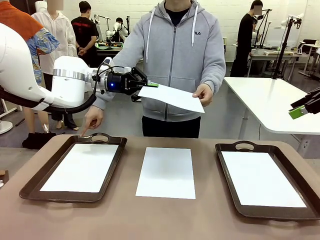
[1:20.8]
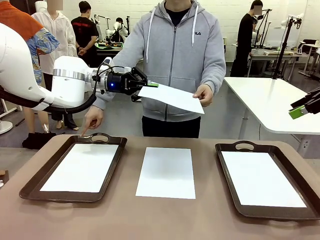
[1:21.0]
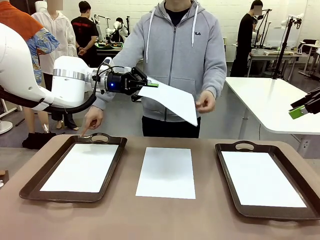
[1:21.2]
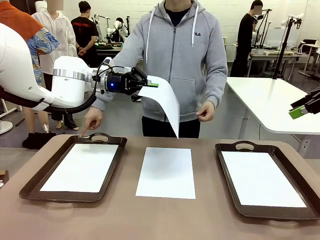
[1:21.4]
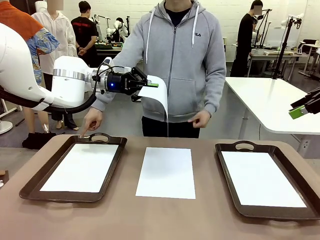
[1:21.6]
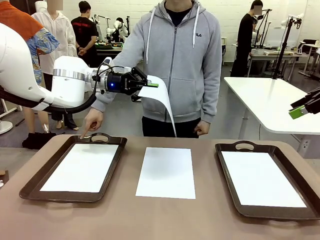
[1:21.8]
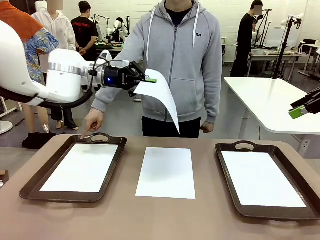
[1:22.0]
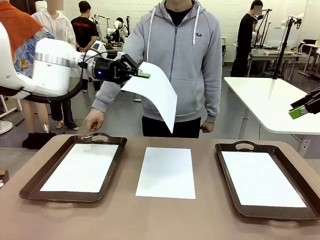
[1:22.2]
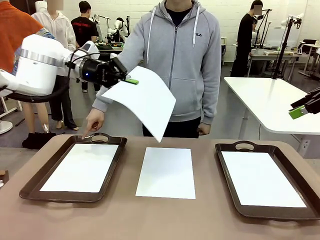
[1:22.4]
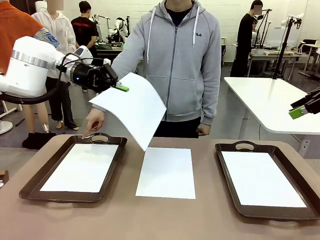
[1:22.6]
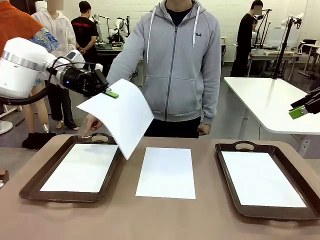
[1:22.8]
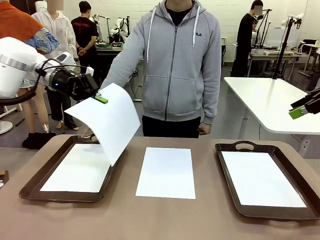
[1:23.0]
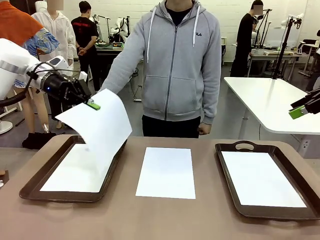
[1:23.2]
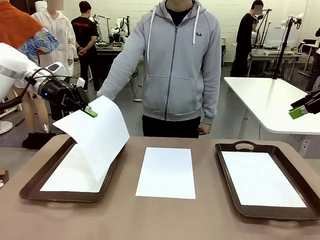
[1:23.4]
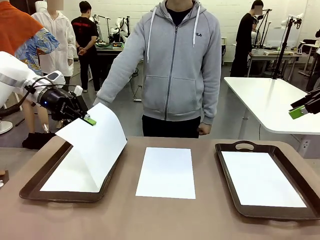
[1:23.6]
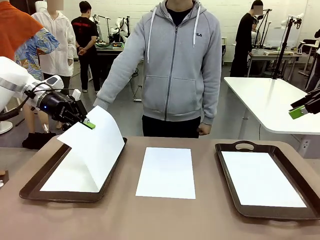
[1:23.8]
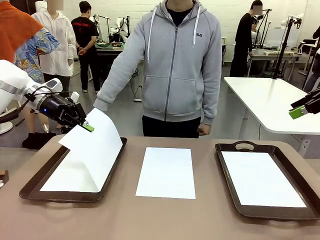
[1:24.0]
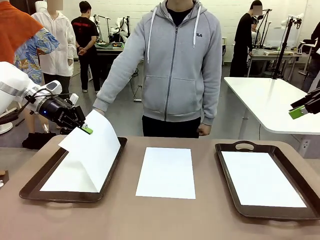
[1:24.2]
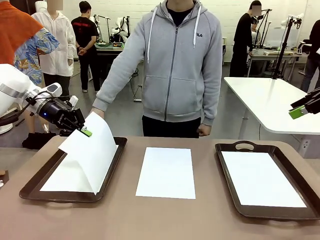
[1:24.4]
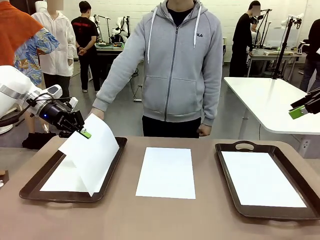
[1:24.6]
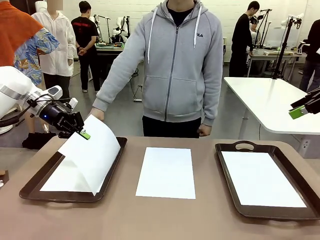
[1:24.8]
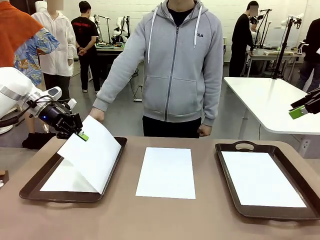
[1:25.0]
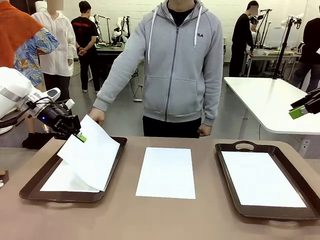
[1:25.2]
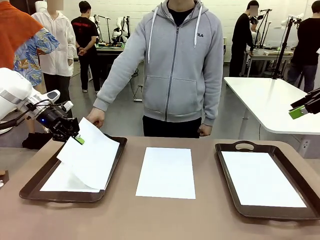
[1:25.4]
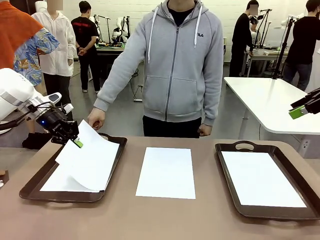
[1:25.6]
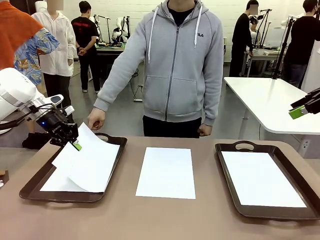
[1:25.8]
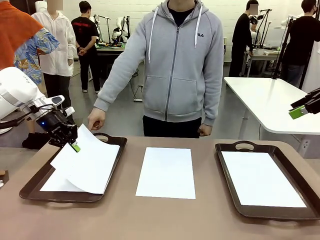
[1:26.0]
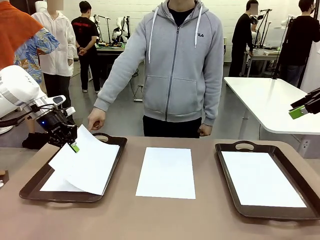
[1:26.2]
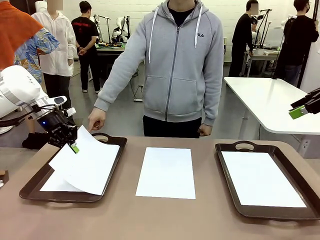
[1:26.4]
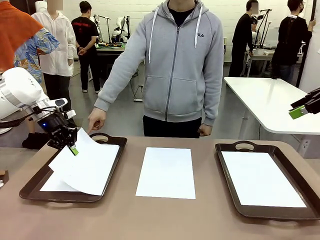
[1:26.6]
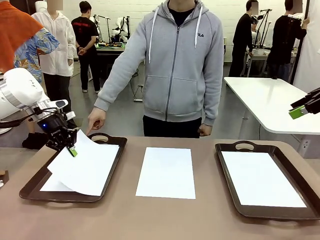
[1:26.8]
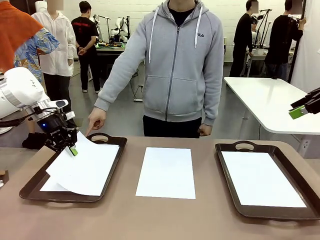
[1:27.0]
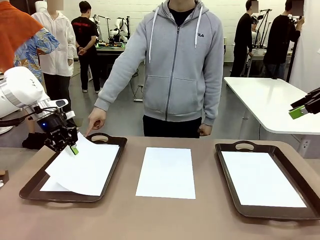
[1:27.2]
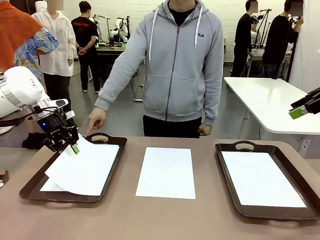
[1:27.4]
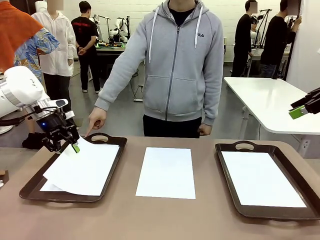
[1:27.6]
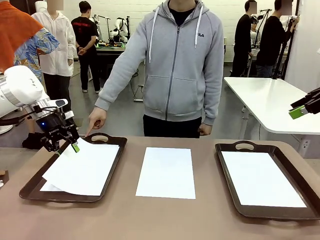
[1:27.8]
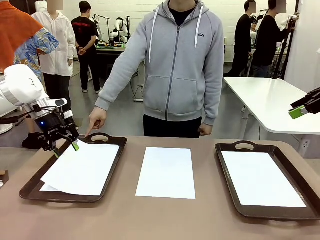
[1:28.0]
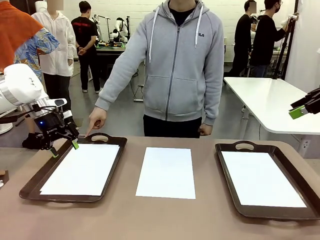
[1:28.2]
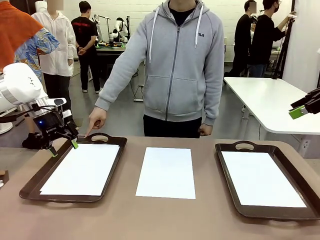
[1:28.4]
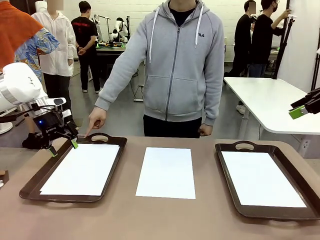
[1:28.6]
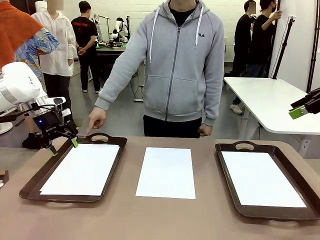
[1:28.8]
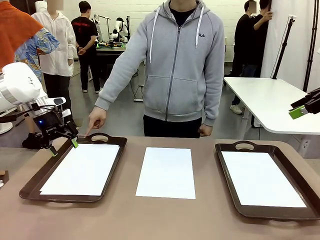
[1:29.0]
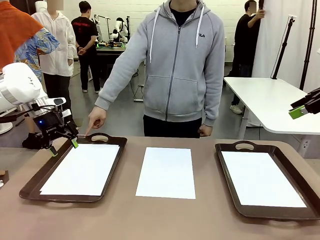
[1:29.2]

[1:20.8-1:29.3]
Task: Sort the A4 documents.
Robot: Place the A4 Paper in the designated Handle tray.

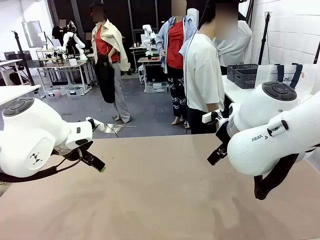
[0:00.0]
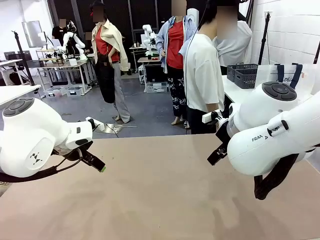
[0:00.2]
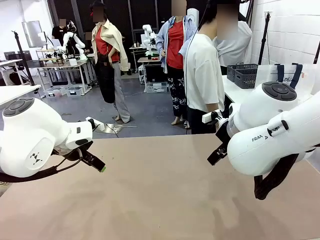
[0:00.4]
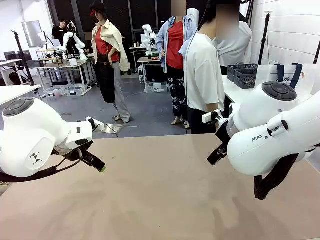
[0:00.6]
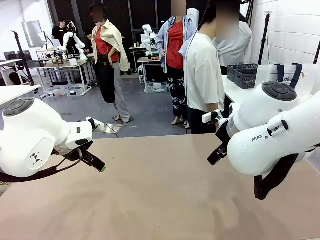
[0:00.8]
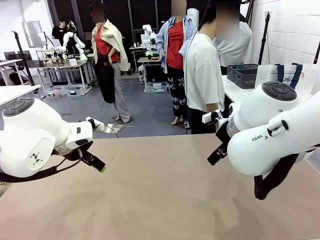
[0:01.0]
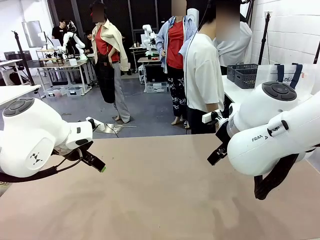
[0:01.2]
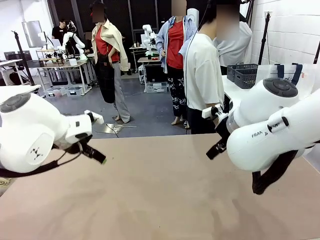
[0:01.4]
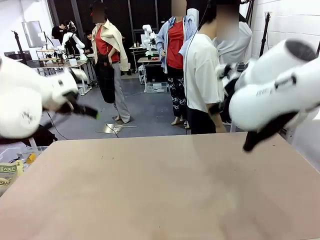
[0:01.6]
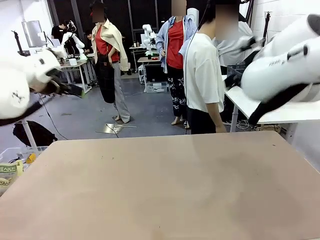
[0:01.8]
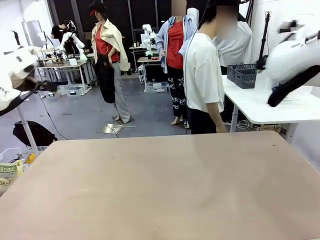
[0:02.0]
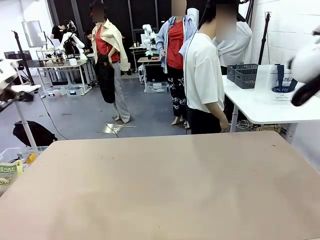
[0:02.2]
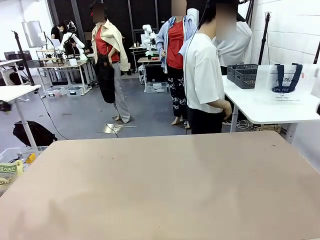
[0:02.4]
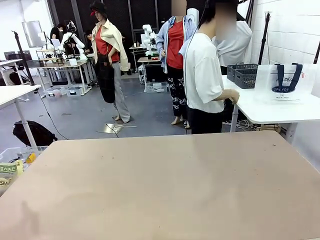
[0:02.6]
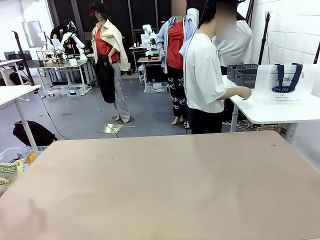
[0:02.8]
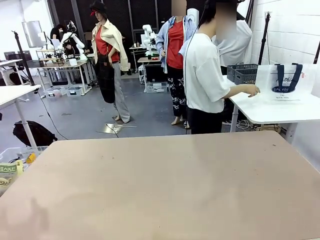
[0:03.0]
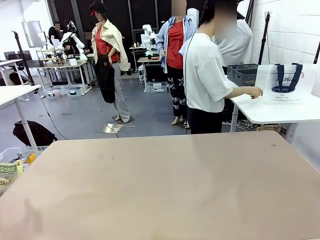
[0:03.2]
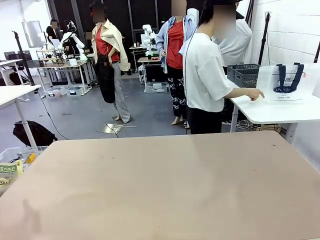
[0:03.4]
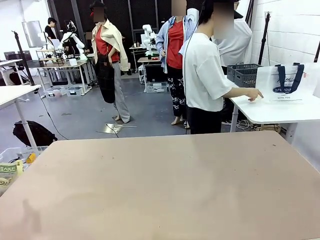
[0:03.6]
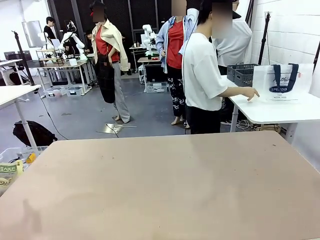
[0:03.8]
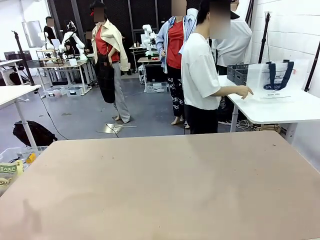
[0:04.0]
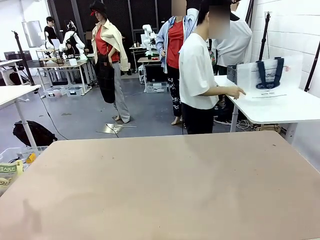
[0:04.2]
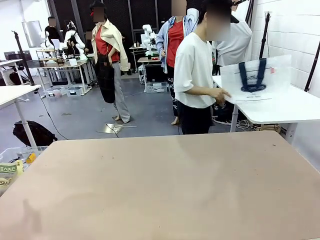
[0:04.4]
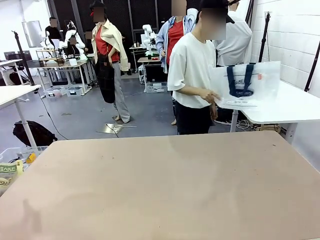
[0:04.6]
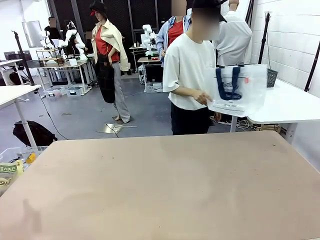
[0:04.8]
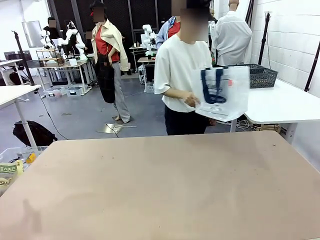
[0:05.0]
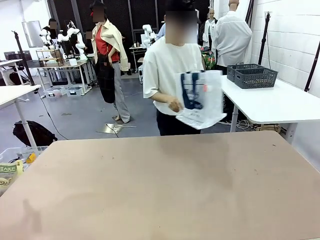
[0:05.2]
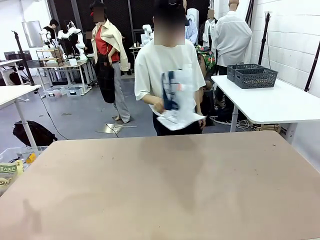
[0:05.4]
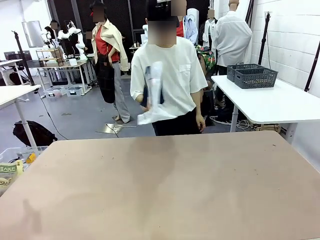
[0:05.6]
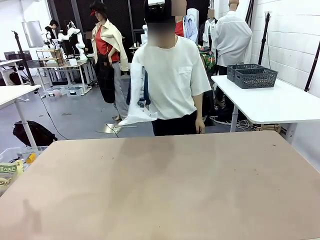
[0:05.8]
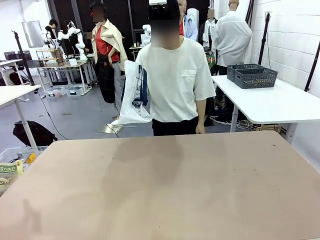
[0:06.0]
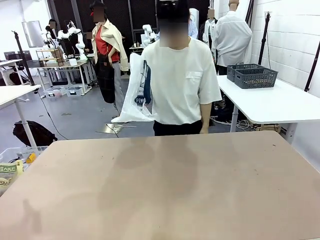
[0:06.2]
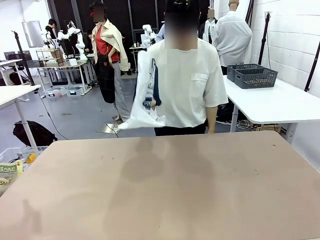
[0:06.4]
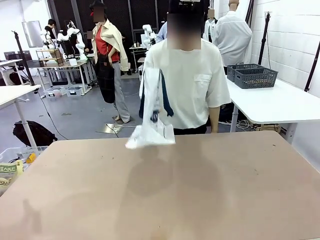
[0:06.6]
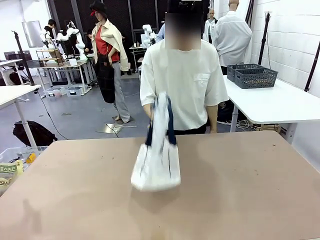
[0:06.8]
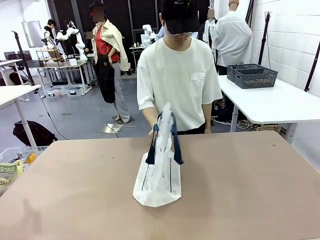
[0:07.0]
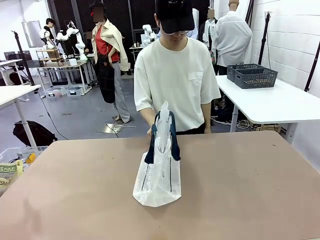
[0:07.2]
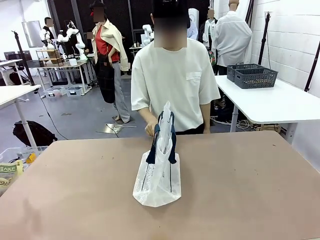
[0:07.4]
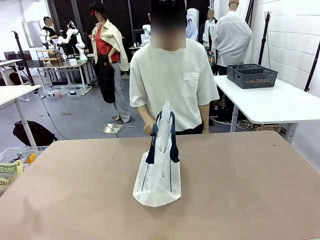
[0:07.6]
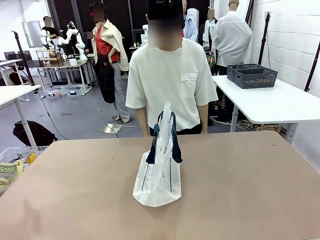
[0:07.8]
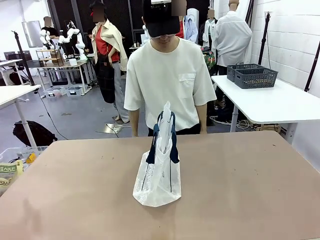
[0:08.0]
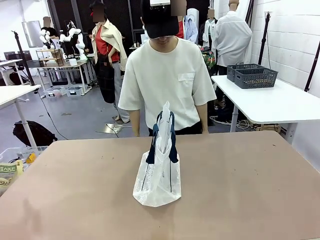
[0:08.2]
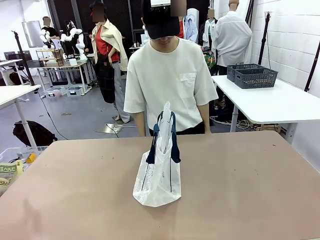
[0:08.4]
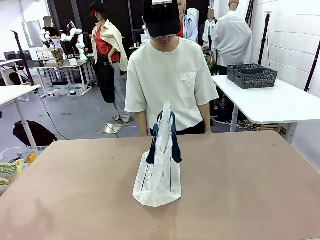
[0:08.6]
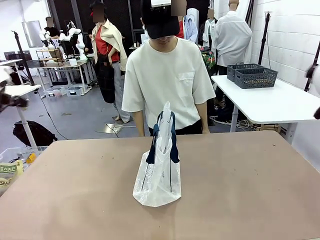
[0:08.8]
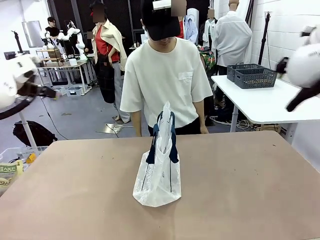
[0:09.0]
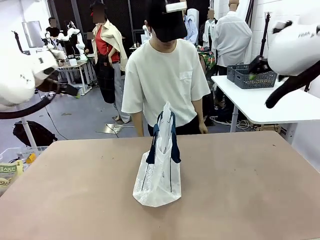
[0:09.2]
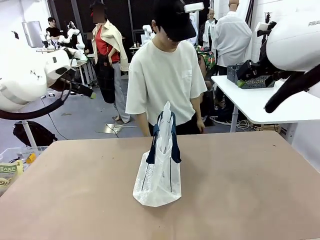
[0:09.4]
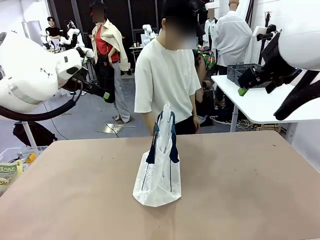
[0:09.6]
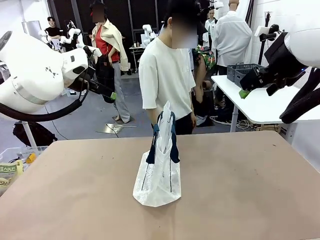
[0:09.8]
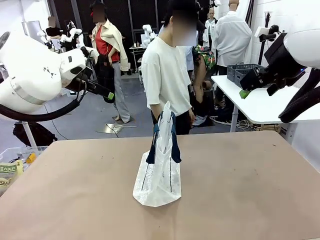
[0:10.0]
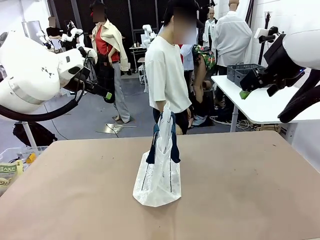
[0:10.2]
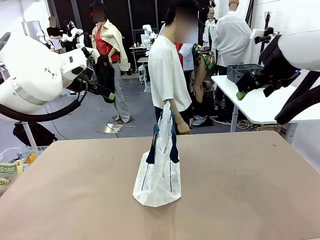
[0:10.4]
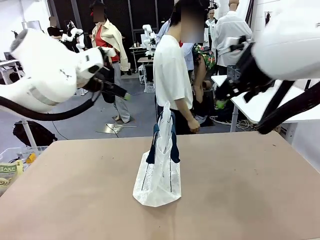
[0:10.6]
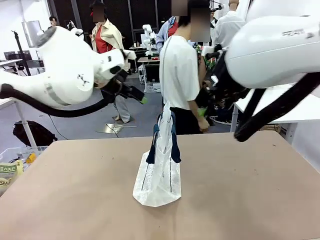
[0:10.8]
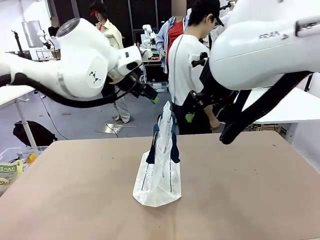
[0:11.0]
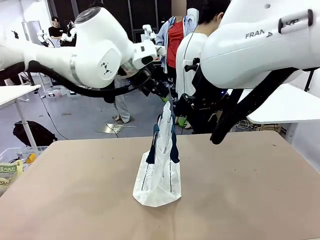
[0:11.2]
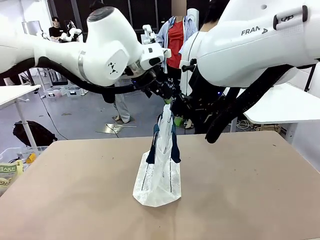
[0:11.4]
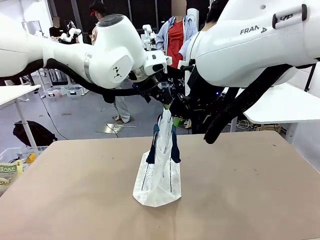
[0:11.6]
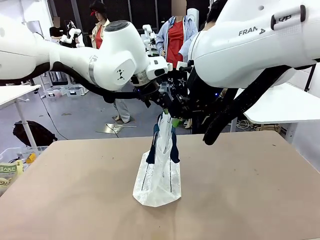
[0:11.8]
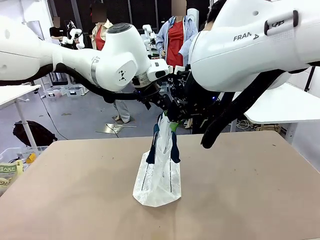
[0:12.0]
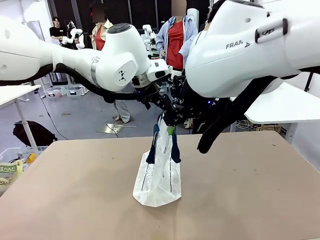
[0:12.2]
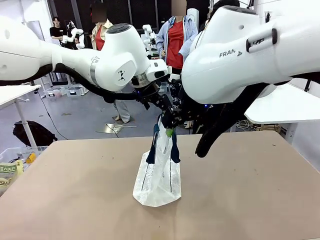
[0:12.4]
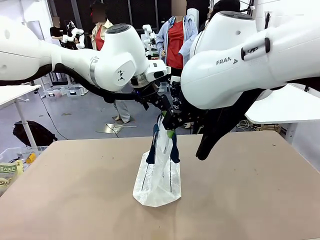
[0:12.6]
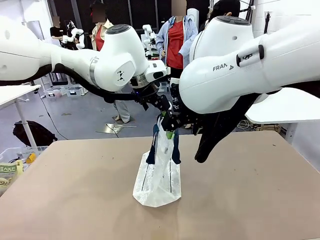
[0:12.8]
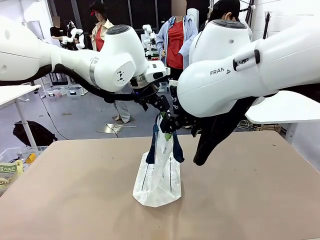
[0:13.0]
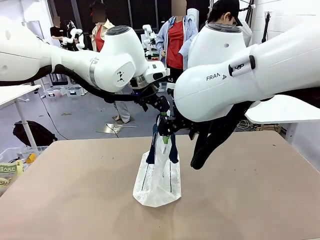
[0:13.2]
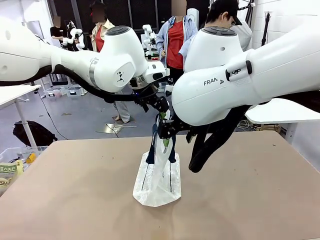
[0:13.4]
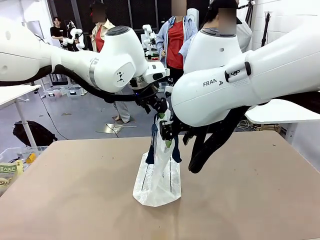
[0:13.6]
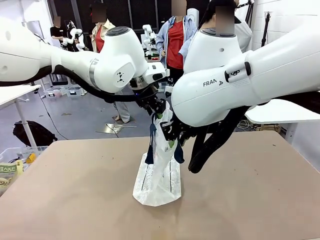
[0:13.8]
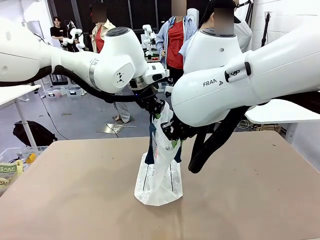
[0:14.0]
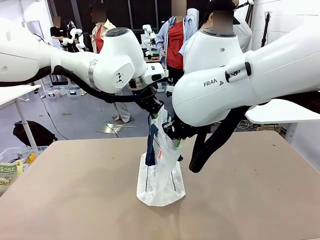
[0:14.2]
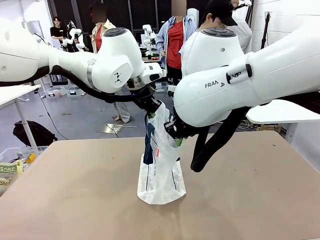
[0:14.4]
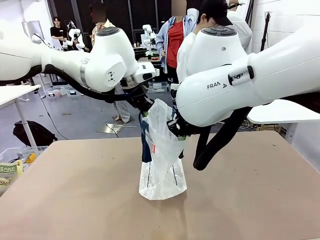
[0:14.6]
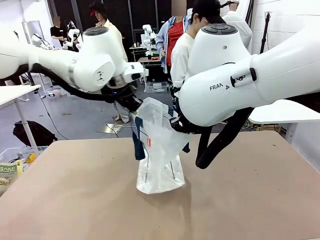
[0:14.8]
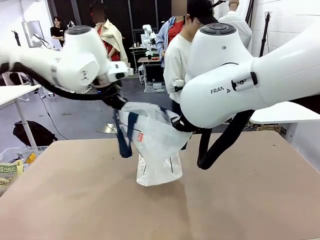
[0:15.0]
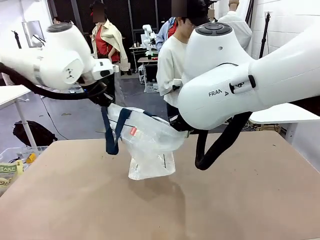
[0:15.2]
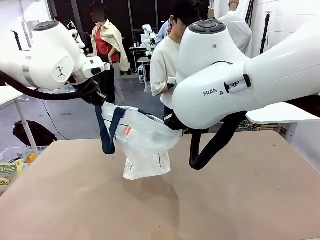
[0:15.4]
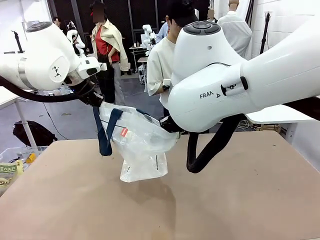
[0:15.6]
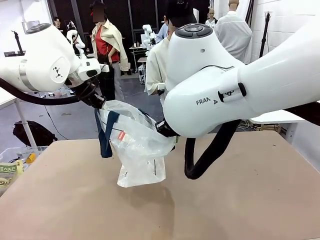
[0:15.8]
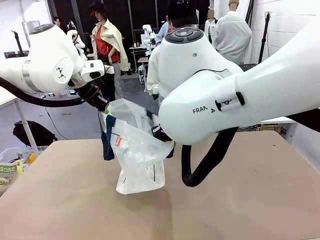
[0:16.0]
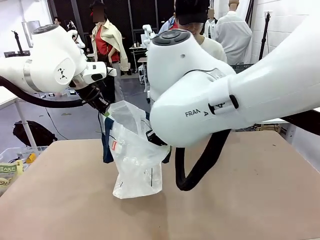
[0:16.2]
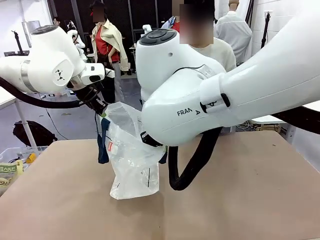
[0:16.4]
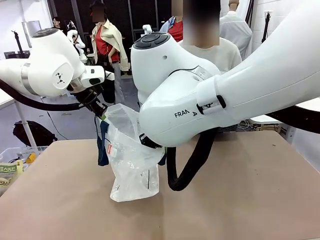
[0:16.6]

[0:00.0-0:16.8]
Task: Transfer purchased items from the store into the shopping bag.
Robot: Open the Reusable shopping bag in the center of the table.
Person: Pick up the shopping bag and place it in the middle of the robot table. Pick up the basket on the right, place it on the left side of the robot table, and move the items in the basket to the shopping bag.
